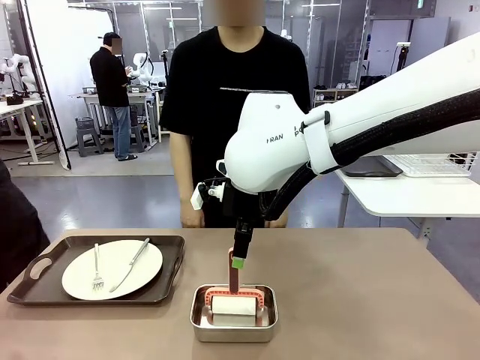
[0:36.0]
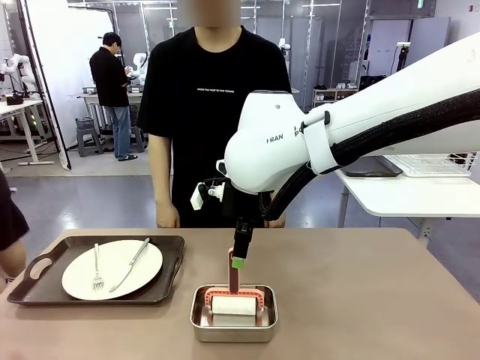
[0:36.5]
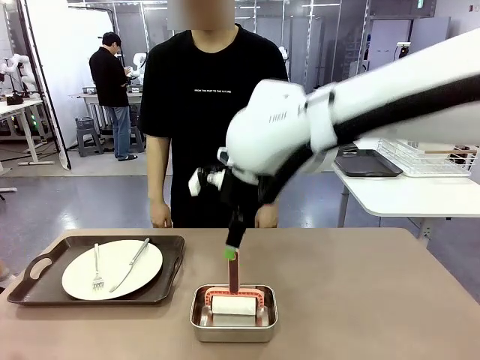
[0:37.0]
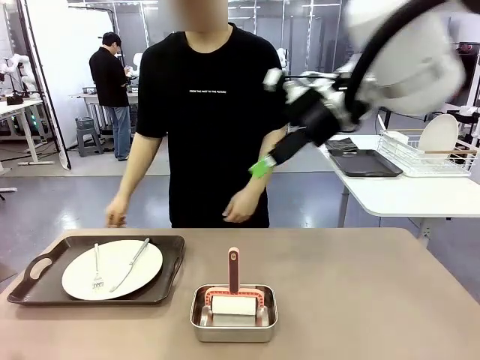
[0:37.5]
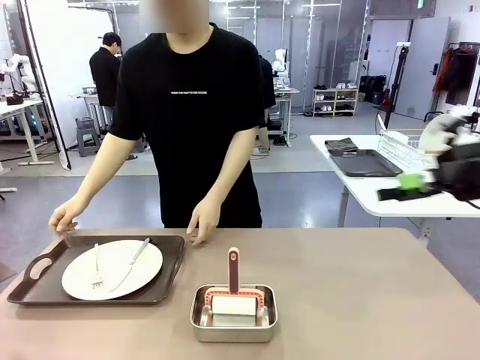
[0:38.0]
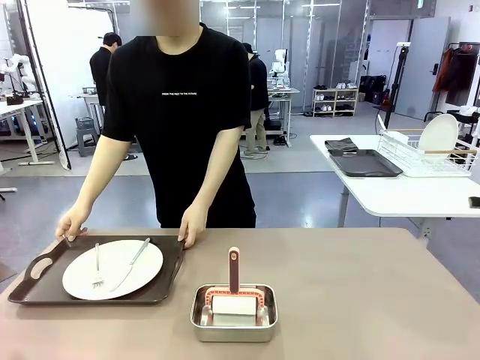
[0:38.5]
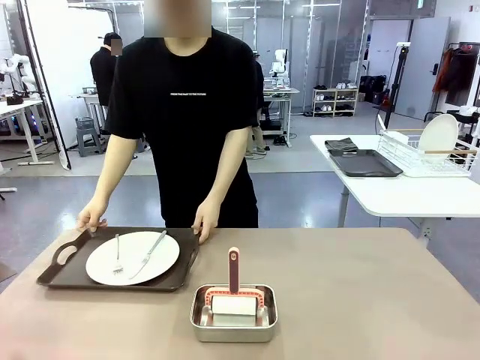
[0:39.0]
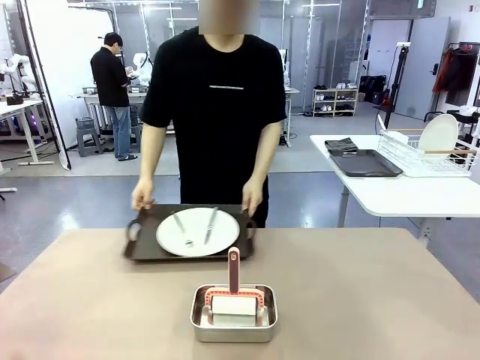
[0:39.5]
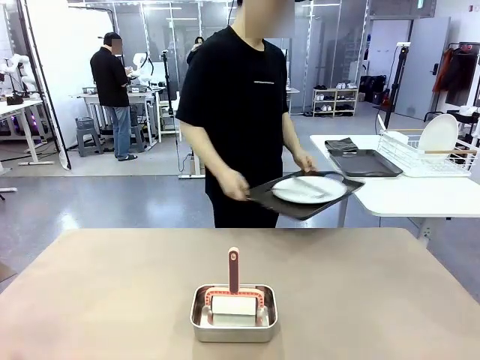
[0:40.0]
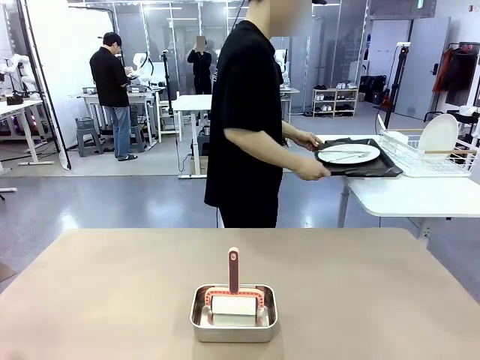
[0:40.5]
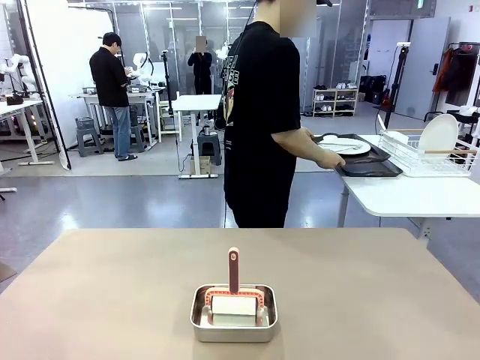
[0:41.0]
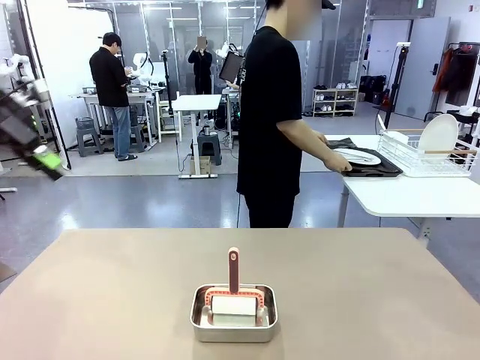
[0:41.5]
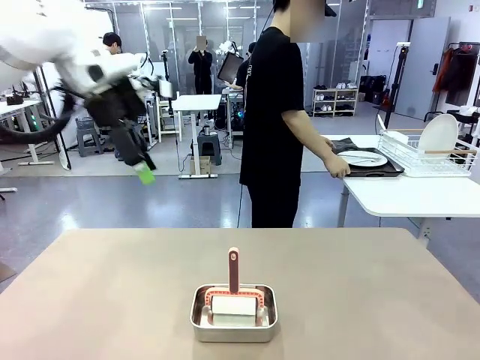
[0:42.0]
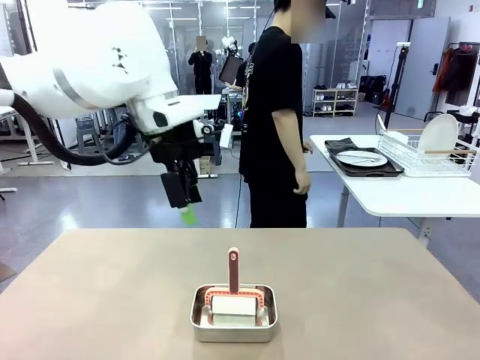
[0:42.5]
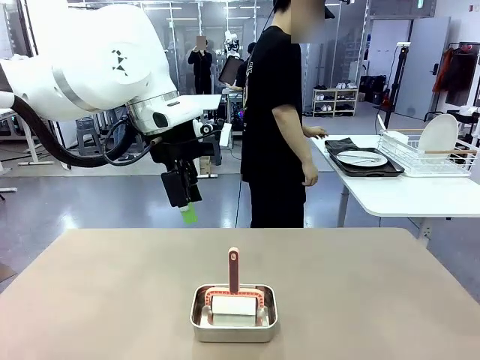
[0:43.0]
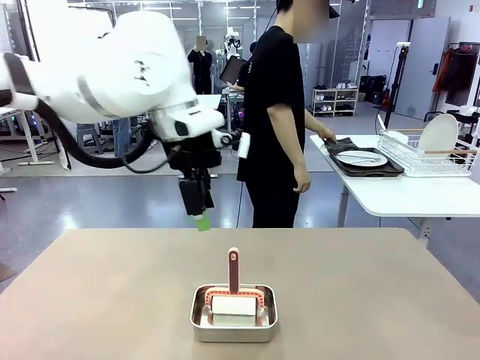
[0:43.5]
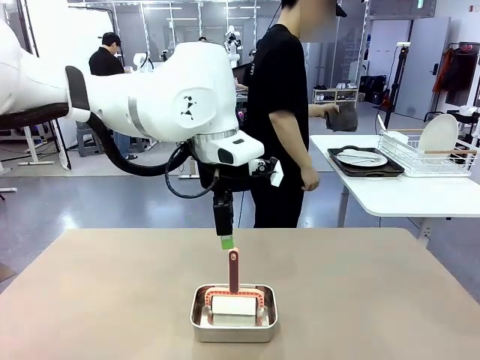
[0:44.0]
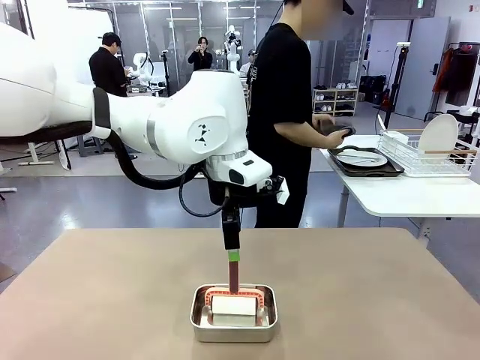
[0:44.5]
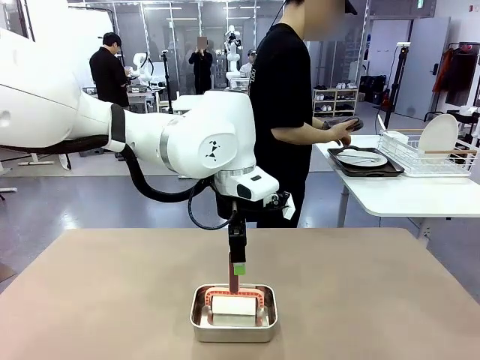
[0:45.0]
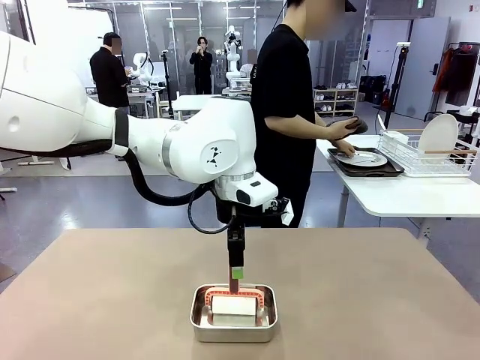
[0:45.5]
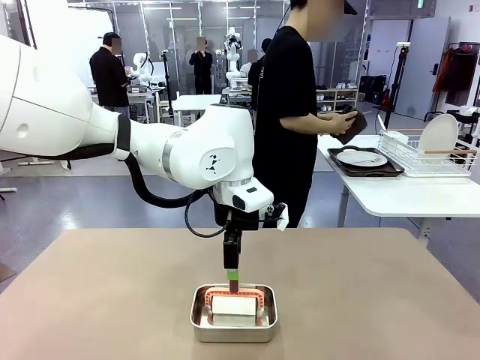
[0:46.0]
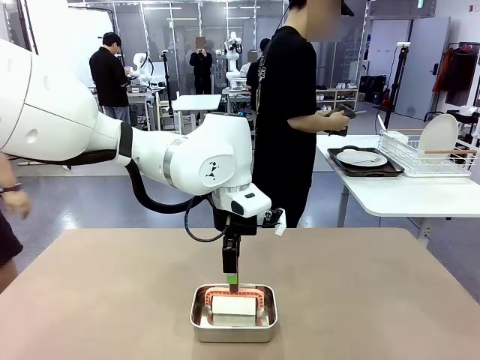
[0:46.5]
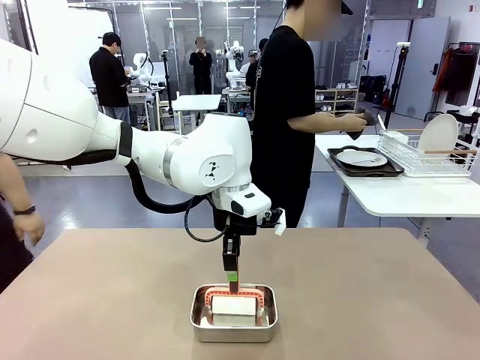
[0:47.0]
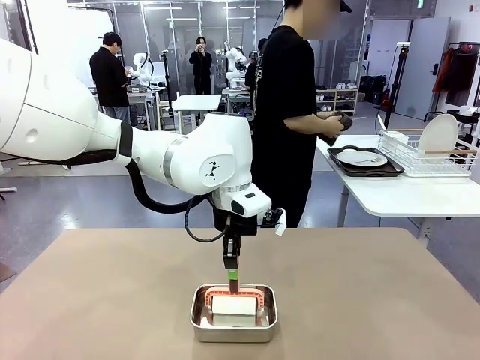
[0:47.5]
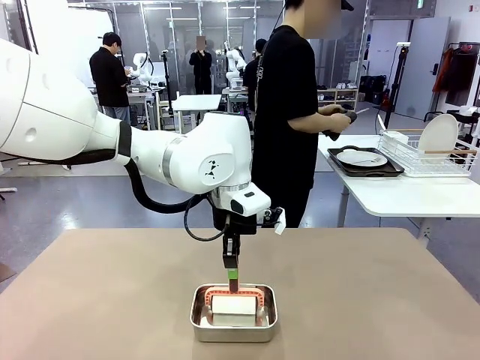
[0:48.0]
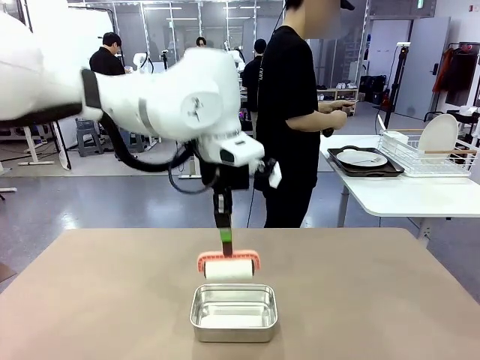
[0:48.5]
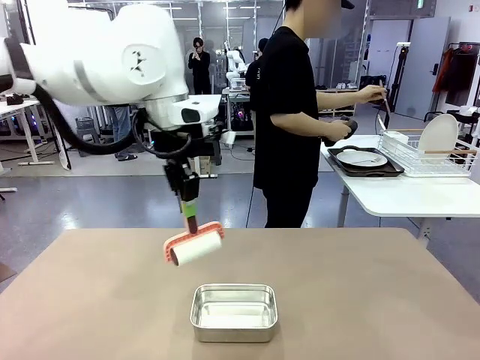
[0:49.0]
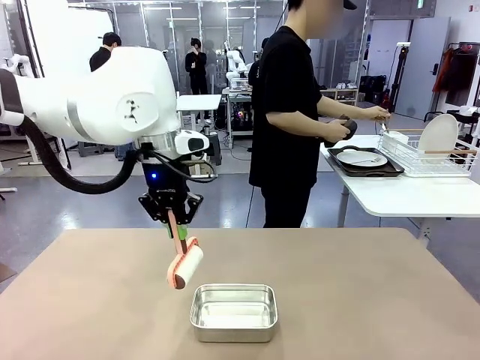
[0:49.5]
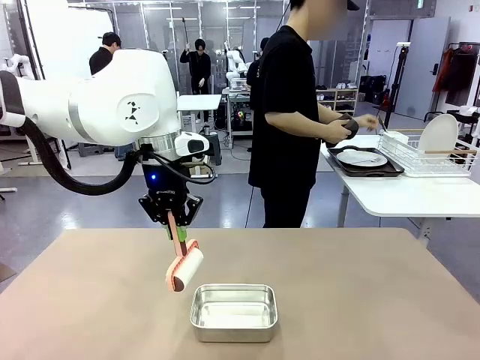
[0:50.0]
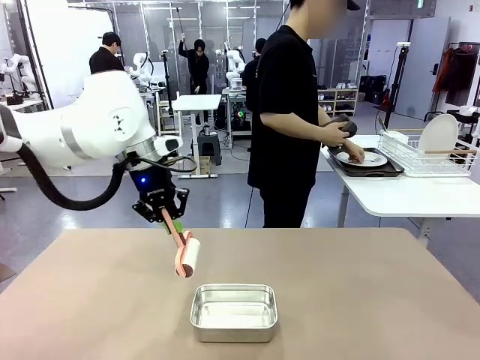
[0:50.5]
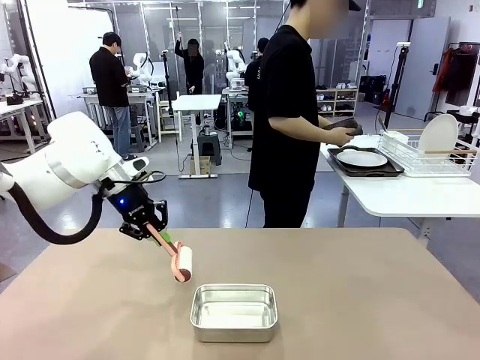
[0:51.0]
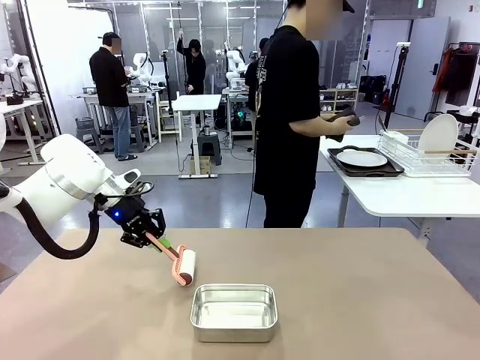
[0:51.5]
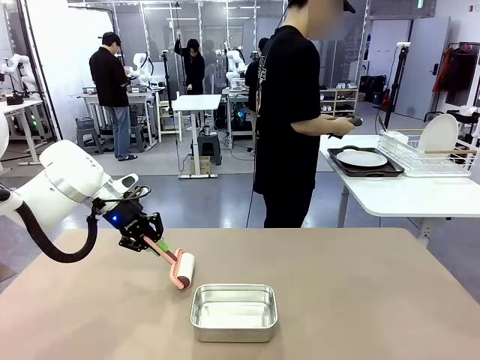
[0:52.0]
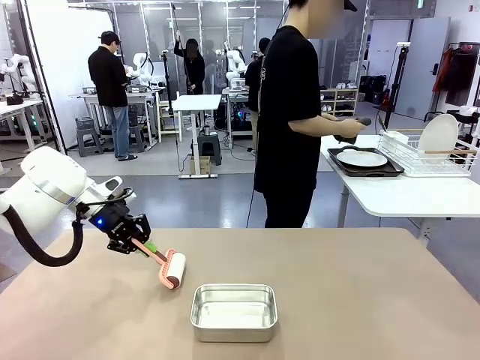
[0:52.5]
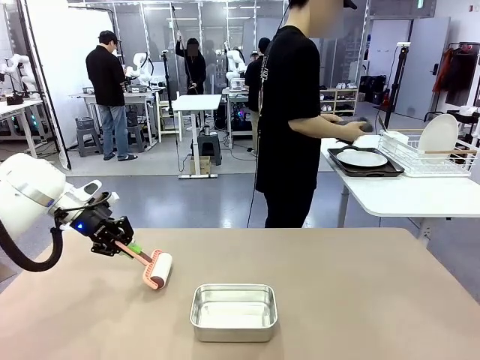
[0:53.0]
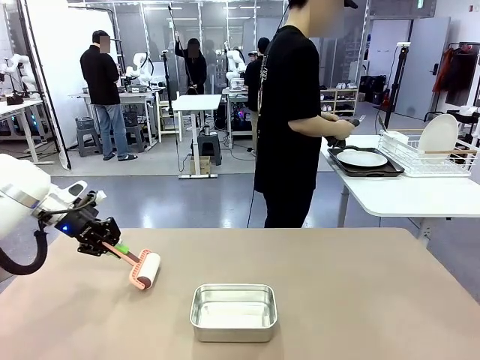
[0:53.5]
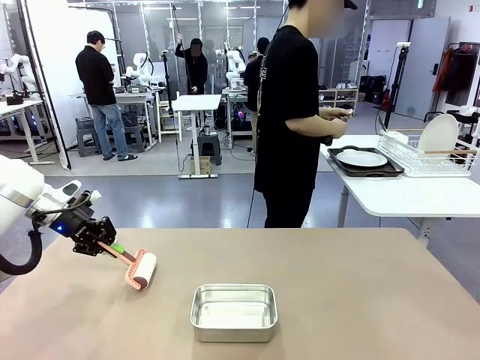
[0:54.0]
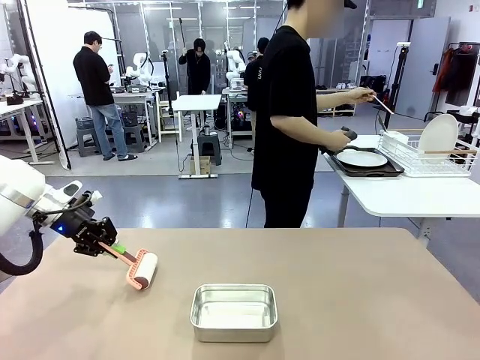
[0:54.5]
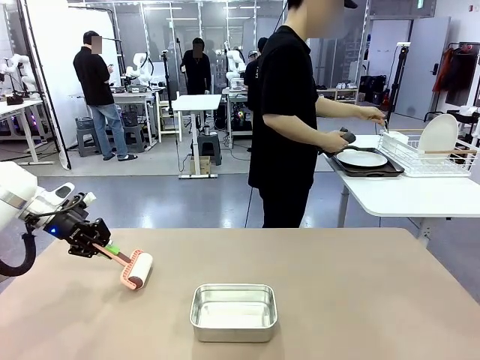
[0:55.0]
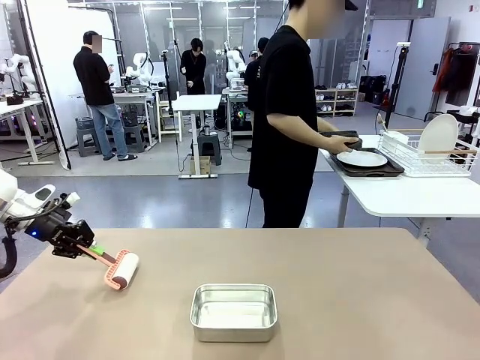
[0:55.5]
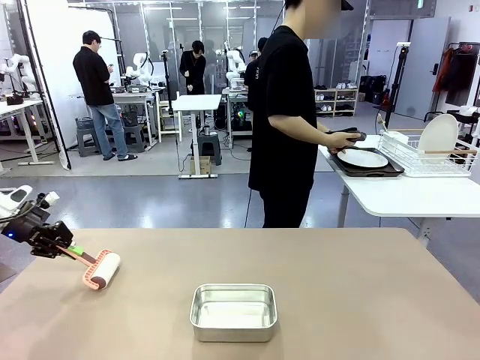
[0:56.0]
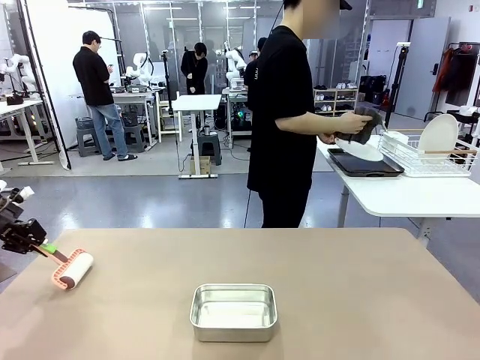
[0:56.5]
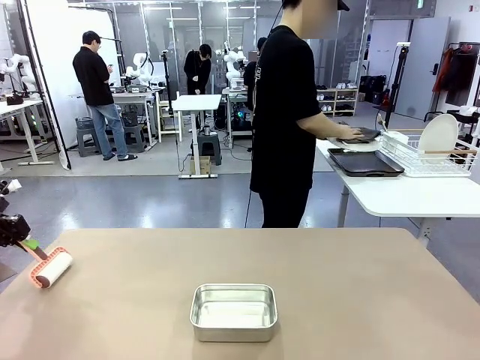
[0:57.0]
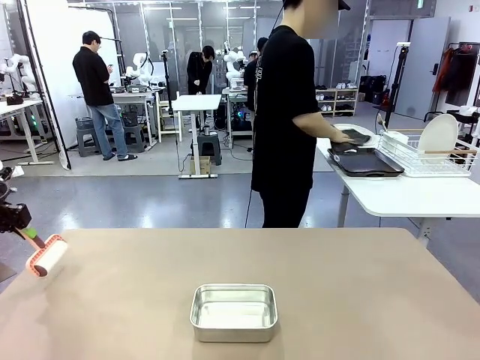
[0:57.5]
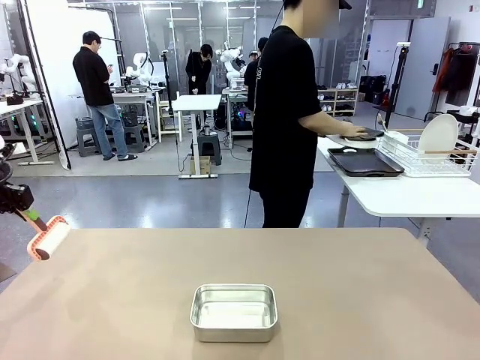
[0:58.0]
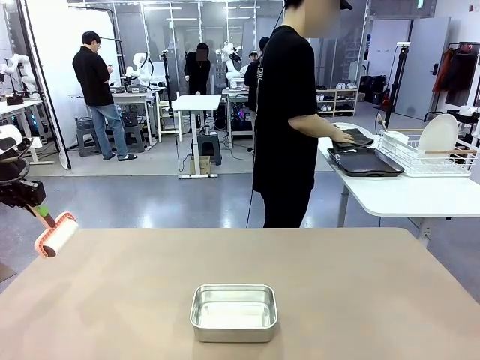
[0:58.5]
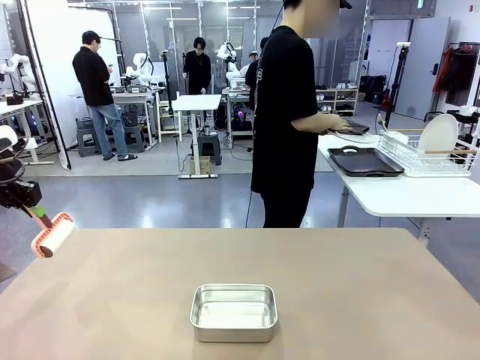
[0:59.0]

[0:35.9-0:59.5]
Robot: When the right (or left) Handle tray is removed, use the right hand (or left hand) to clean the right (or left) side of the table with the Lint Roller.
Person: Pick up the left (or right) Handle tray and place it on the Handle tray. Use the Towel with hook to wipe the Plastic Matte Plate , Fork , and Knife and place into the Dish drying rack.

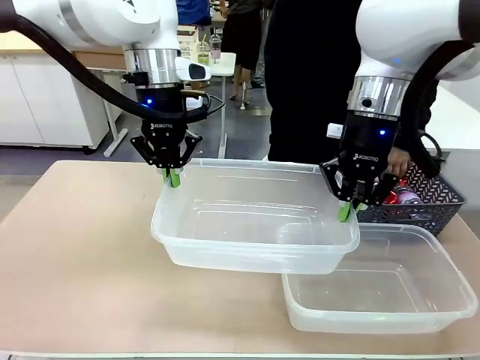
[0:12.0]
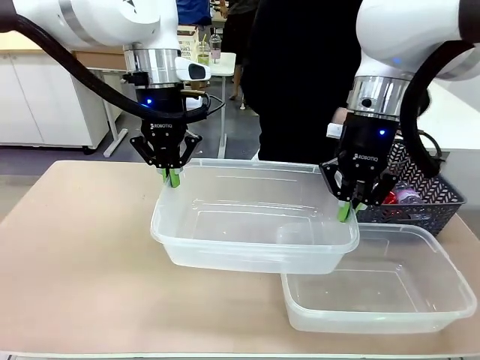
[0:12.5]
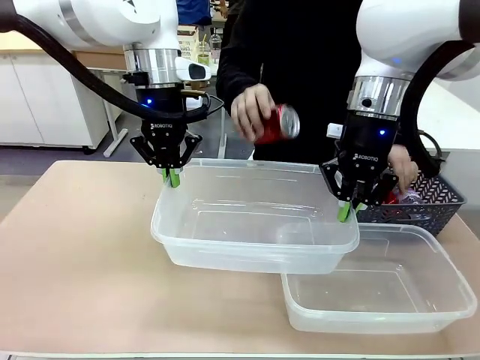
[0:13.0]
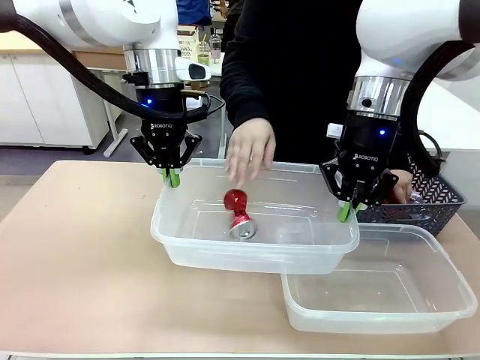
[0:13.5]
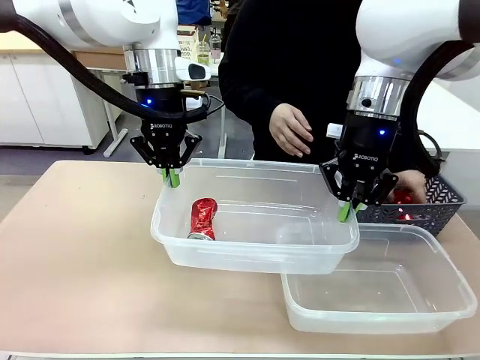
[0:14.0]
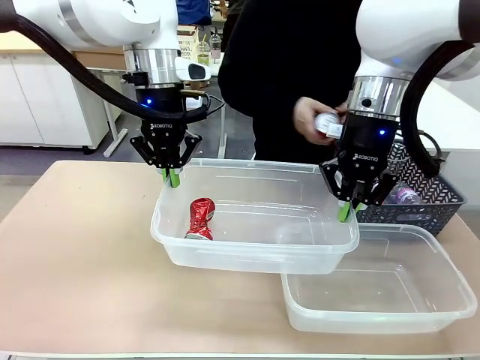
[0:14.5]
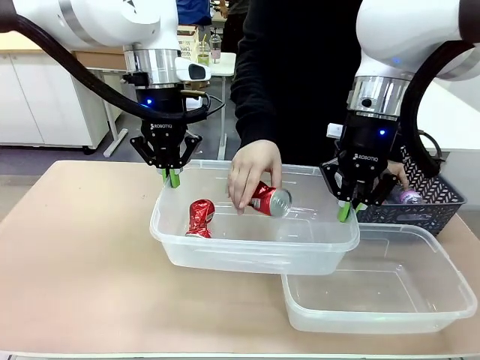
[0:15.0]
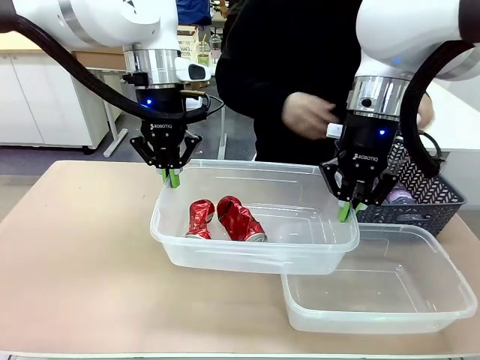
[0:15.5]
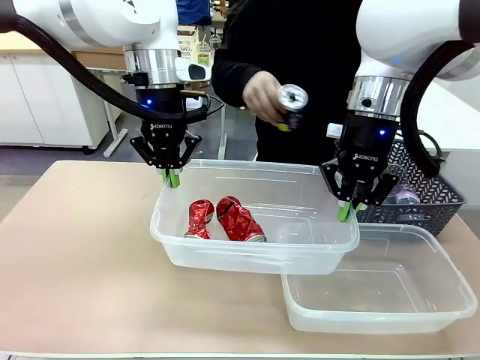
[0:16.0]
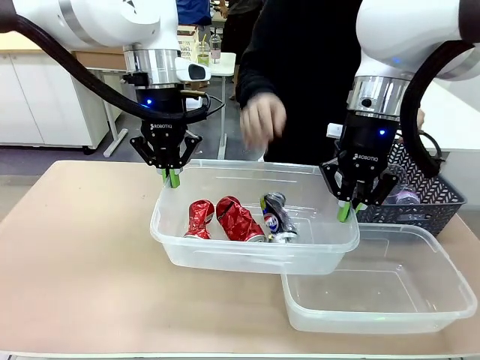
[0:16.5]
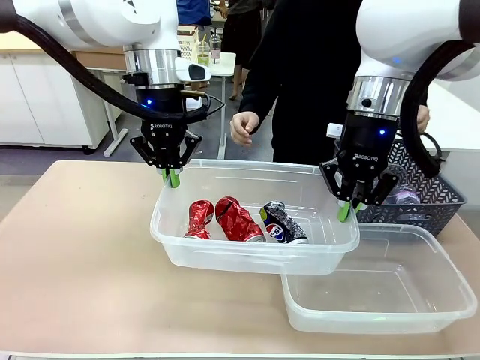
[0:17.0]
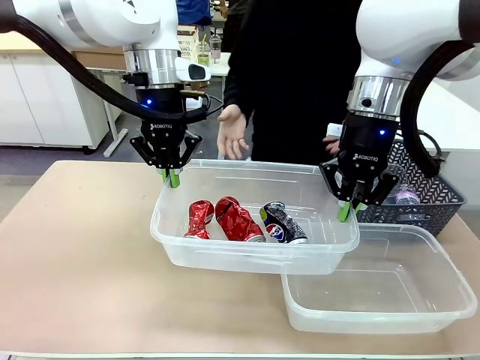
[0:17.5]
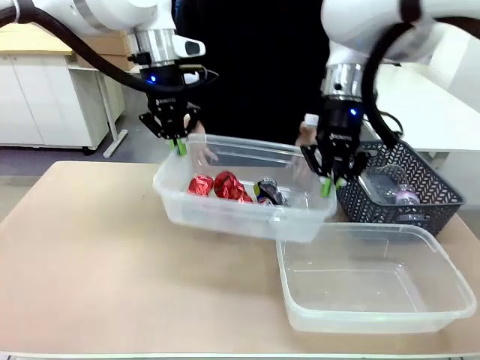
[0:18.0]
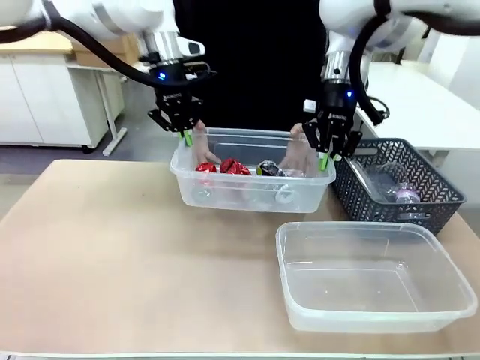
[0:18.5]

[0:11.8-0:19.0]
Robot: Offer the picked Organizing box to the human.
